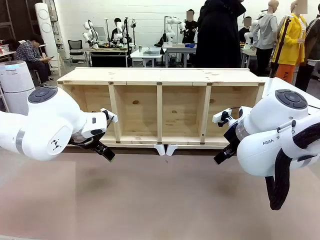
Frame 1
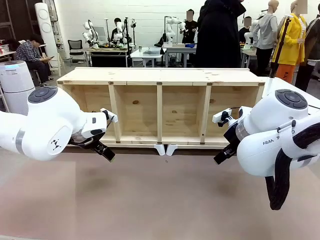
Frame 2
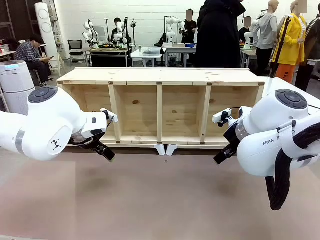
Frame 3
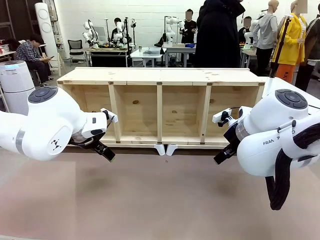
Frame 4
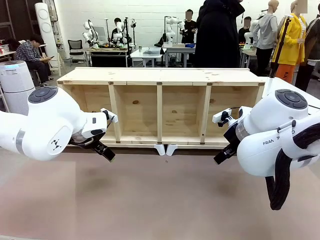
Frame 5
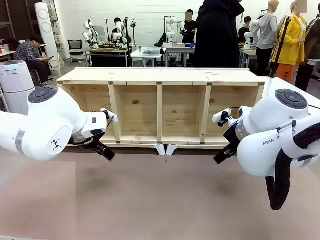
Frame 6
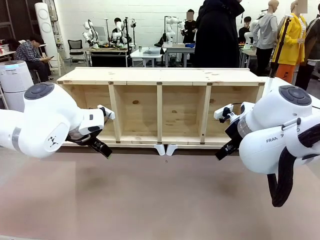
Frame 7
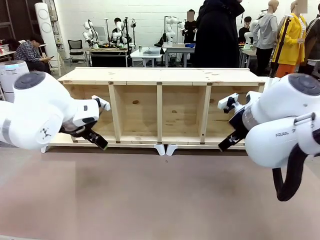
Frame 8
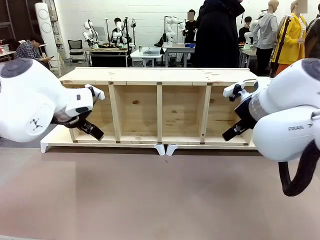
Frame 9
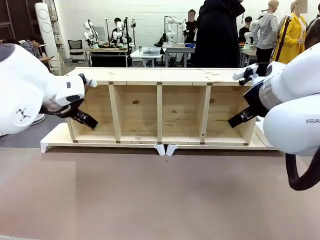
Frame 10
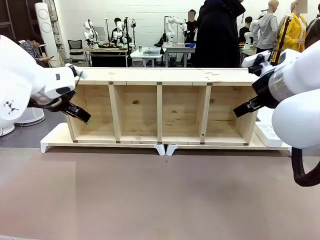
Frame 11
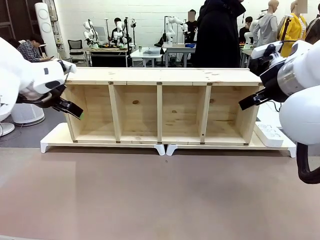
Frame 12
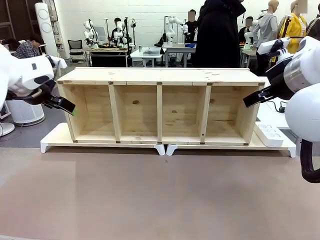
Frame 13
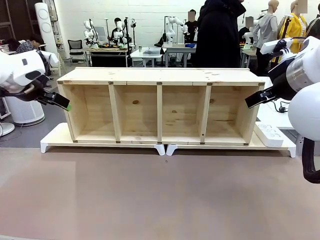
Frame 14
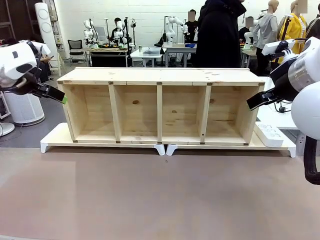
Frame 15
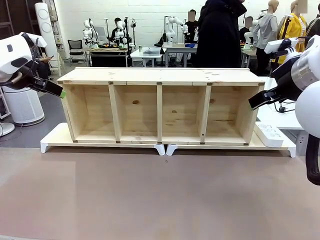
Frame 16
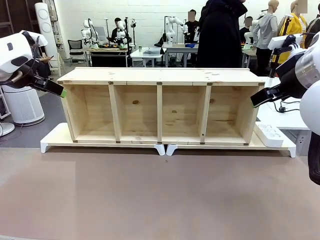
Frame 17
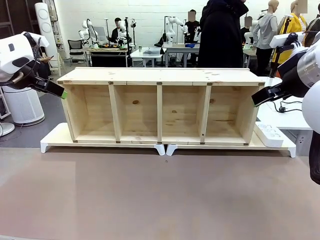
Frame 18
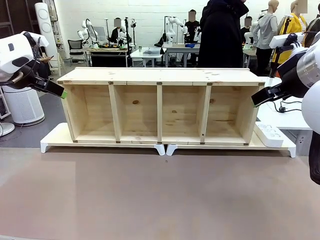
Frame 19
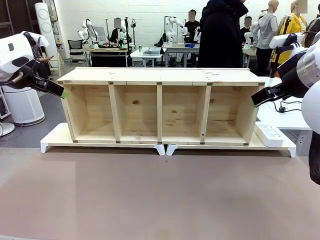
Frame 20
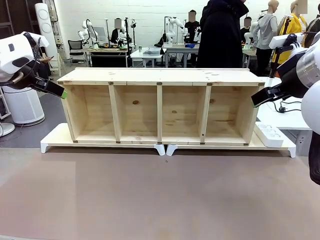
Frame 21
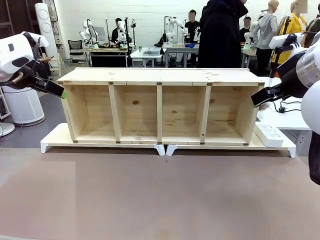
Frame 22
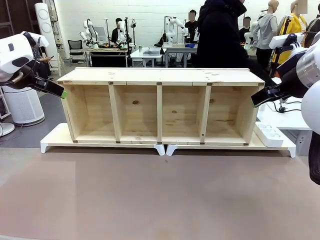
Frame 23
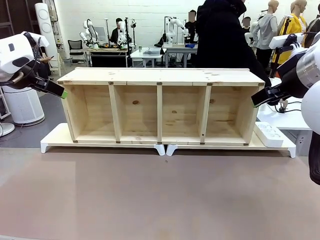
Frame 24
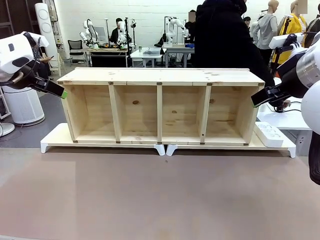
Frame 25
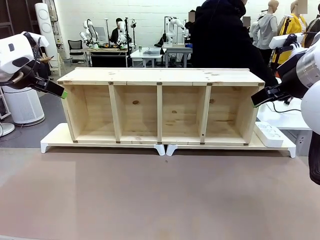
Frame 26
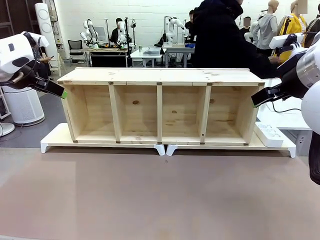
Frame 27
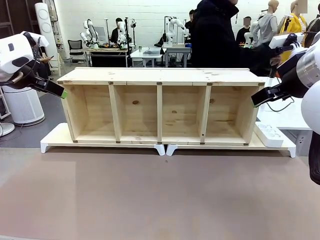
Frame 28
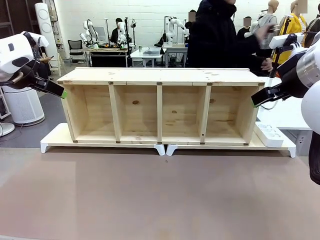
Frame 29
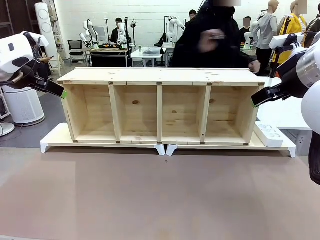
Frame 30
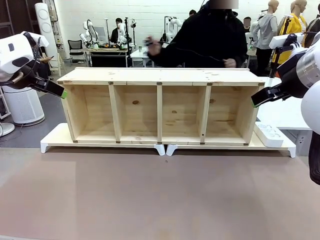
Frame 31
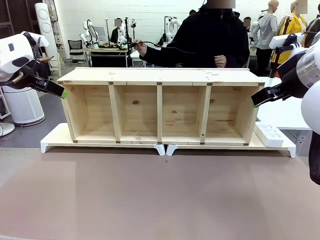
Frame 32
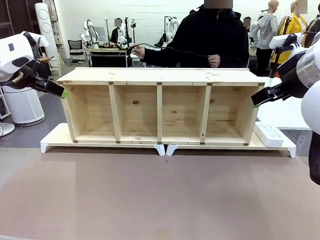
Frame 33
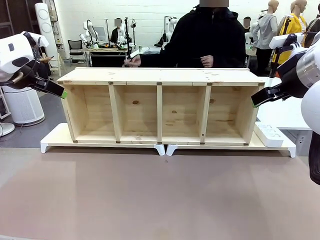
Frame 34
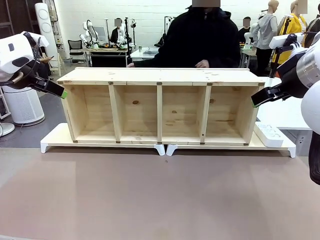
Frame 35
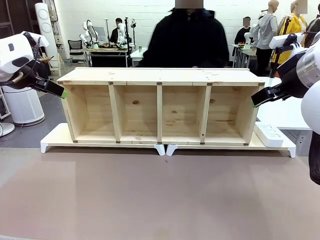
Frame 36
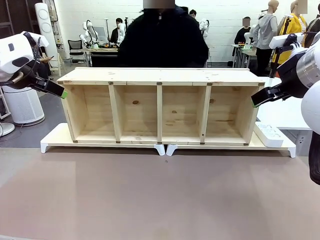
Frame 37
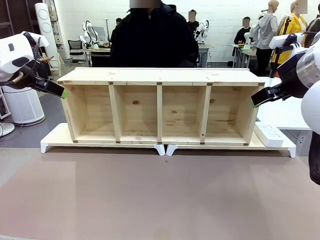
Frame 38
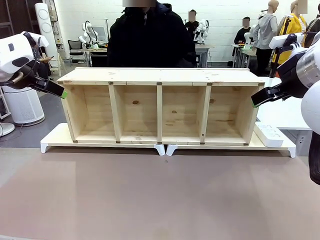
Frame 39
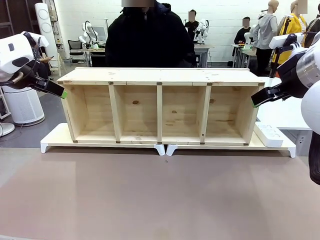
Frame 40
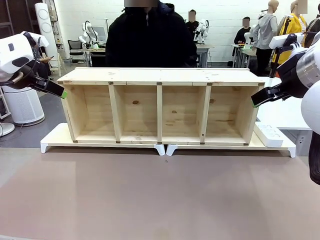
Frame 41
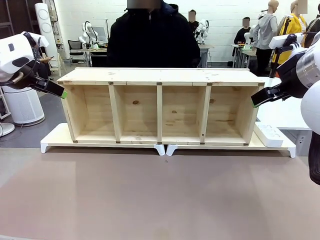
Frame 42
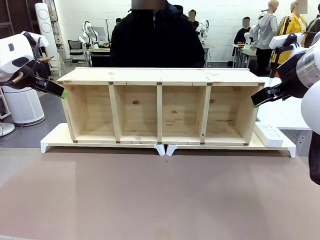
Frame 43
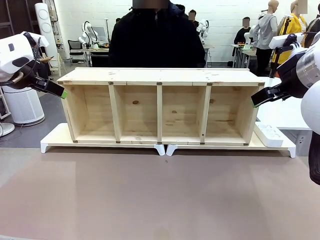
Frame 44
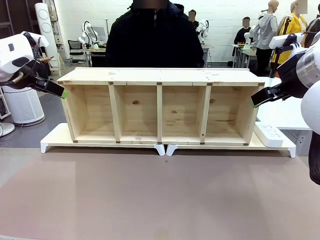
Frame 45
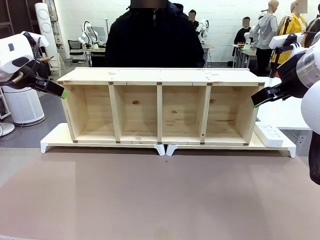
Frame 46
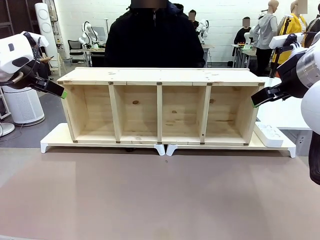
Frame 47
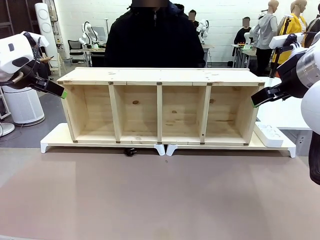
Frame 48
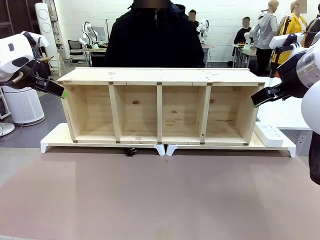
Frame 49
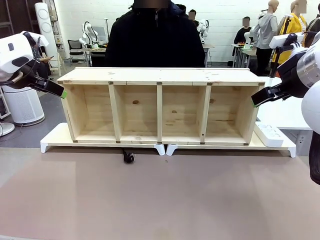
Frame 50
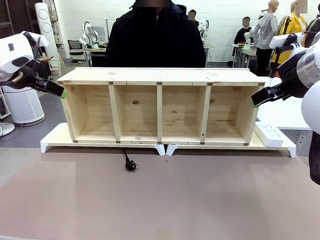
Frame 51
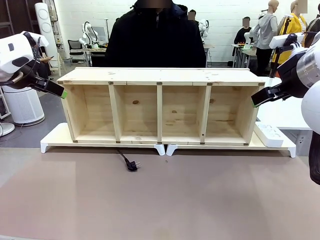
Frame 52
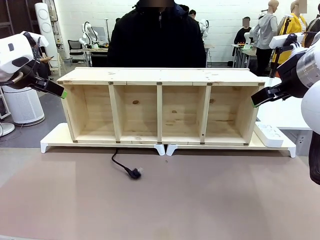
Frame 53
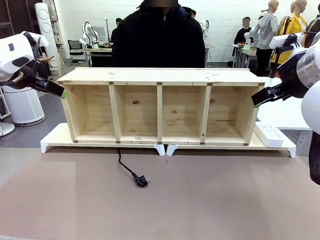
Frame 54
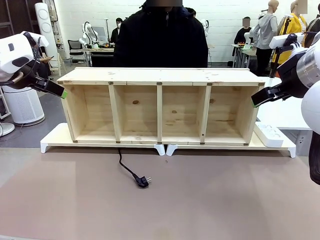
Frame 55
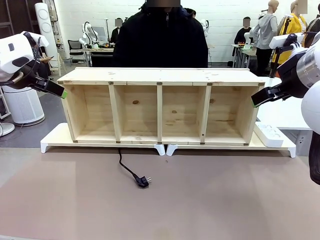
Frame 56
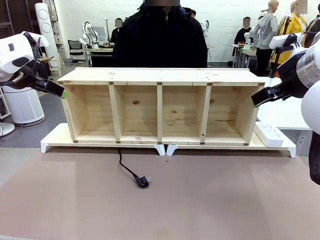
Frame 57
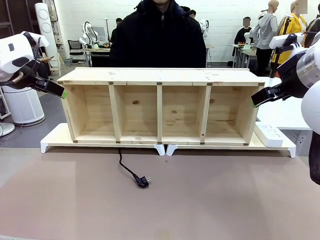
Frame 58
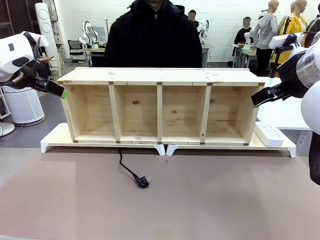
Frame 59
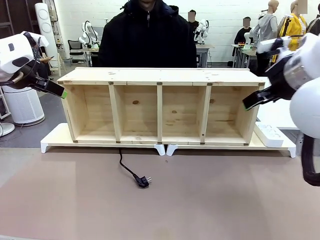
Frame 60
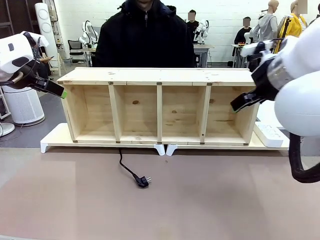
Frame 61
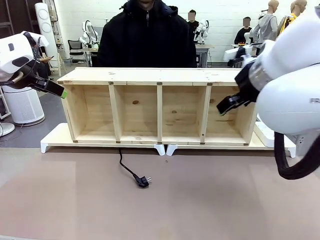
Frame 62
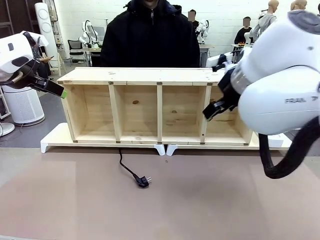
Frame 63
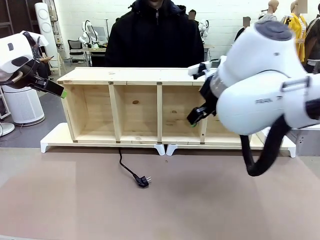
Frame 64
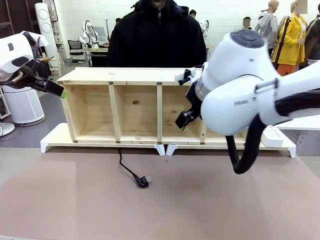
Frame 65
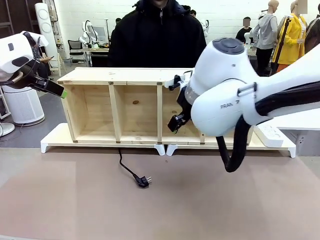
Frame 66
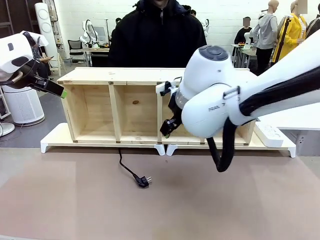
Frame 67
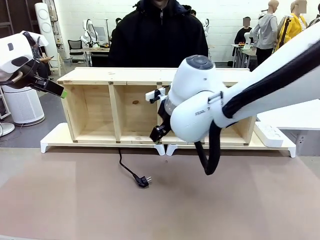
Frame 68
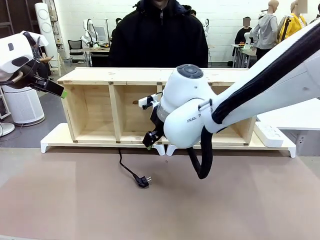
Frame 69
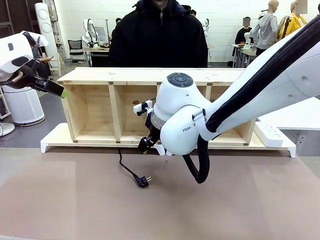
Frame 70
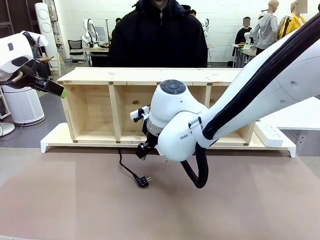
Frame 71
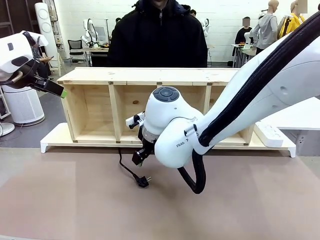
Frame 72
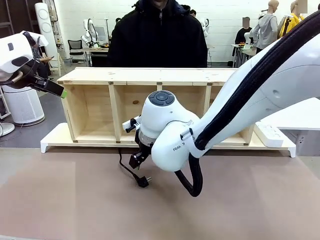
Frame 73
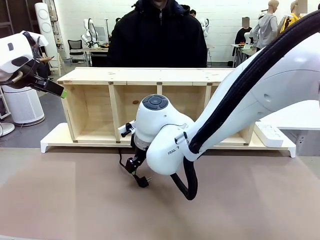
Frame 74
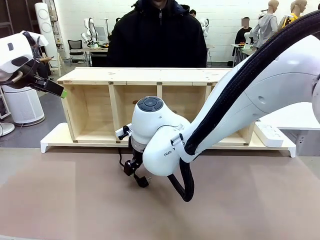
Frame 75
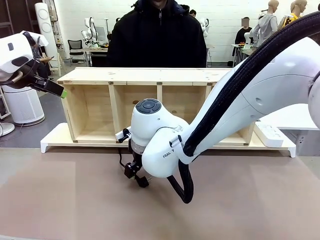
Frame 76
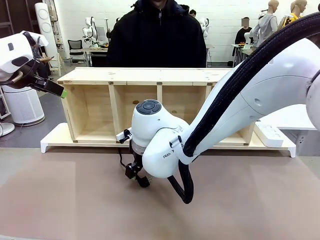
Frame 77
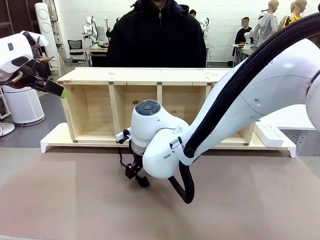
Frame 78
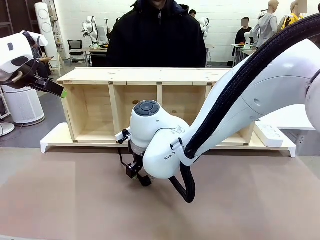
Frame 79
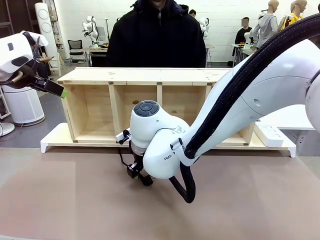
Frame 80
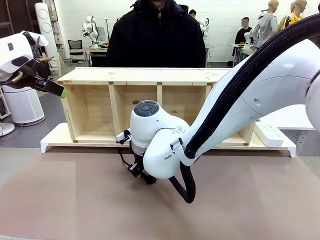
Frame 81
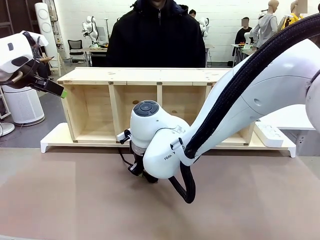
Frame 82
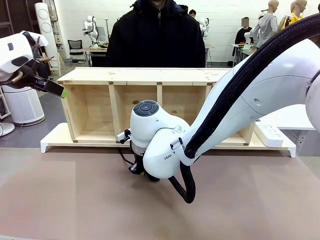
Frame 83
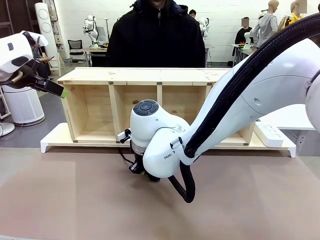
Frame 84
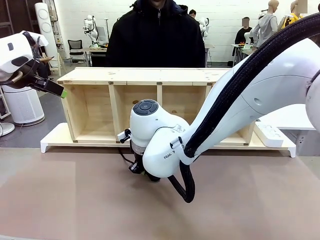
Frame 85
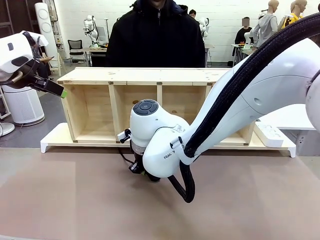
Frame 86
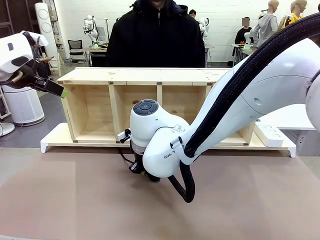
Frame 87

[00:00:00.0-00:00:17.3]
Task: Perform cable management.
Robot: When the cord part of the Power Cable appears at the lower middle area of the table and stops, grasp the cord part of the Power Cable.
Person: Pass the Power Cable under the Serving Table.
